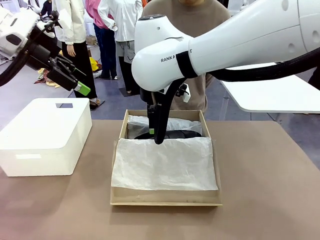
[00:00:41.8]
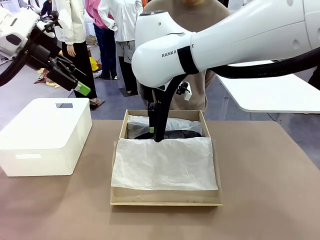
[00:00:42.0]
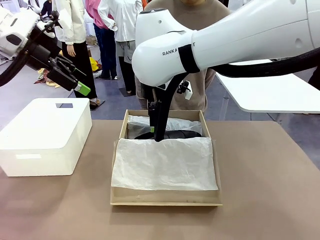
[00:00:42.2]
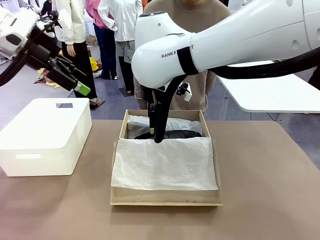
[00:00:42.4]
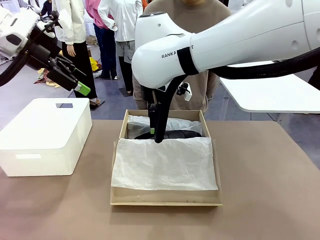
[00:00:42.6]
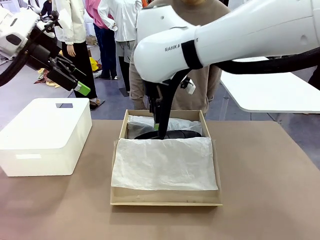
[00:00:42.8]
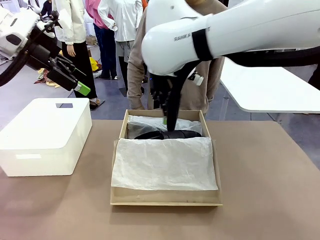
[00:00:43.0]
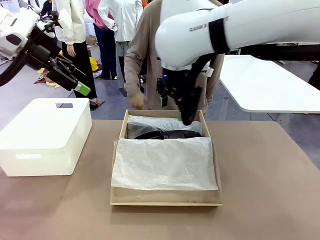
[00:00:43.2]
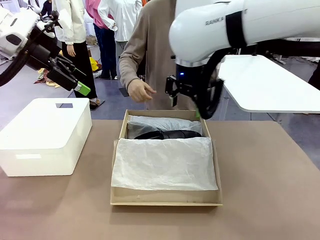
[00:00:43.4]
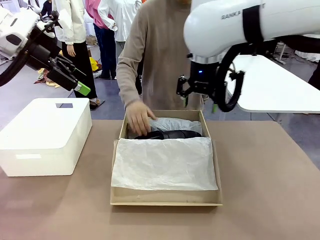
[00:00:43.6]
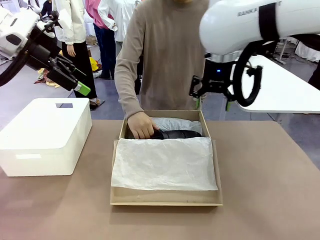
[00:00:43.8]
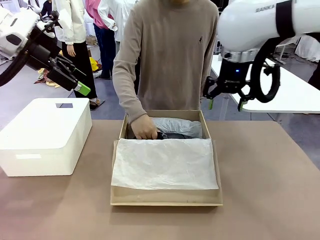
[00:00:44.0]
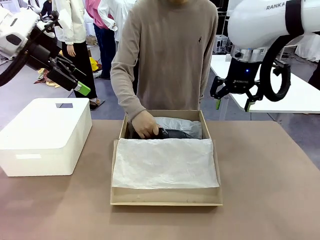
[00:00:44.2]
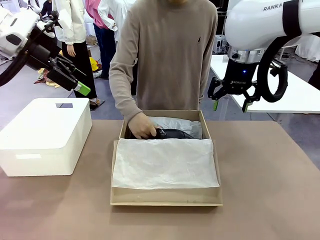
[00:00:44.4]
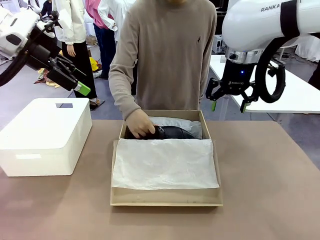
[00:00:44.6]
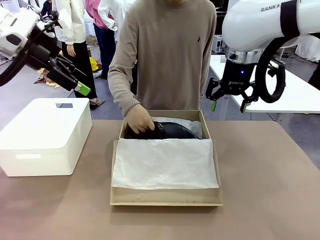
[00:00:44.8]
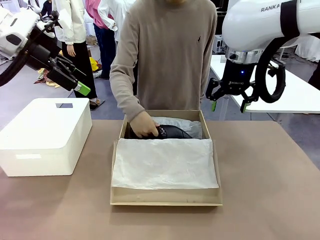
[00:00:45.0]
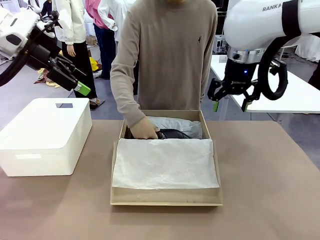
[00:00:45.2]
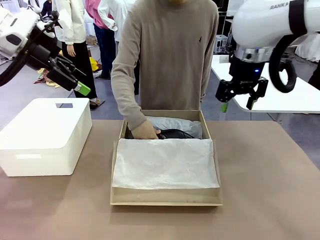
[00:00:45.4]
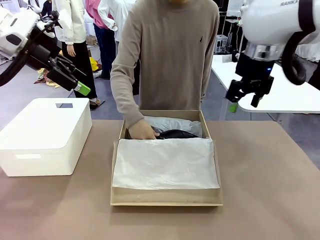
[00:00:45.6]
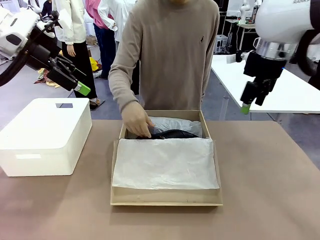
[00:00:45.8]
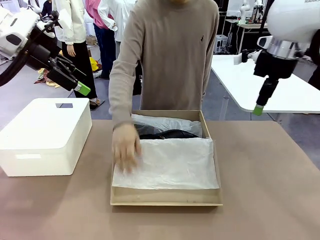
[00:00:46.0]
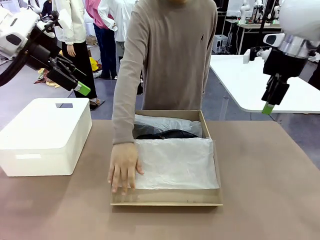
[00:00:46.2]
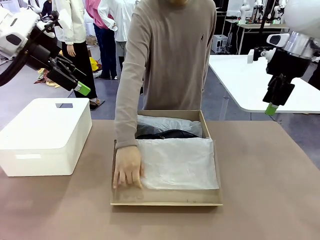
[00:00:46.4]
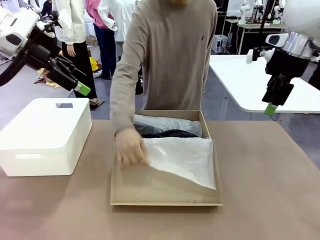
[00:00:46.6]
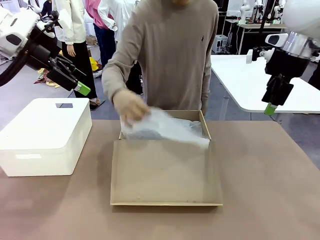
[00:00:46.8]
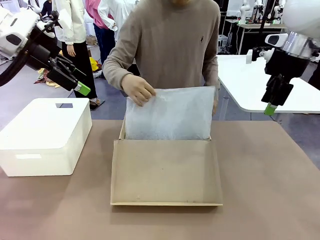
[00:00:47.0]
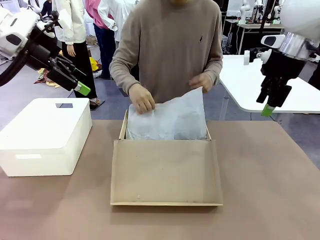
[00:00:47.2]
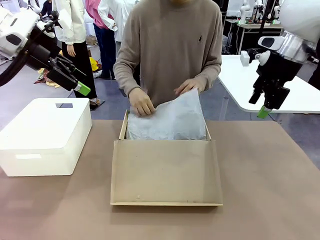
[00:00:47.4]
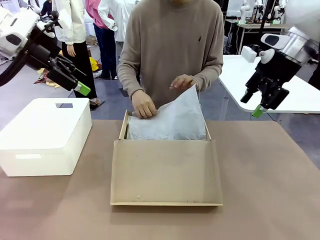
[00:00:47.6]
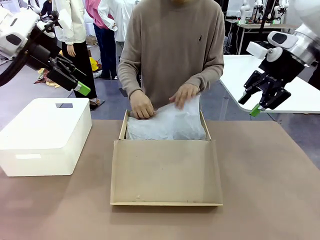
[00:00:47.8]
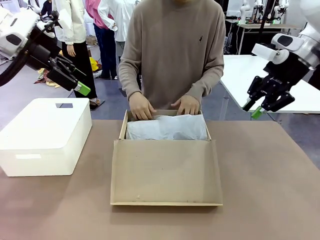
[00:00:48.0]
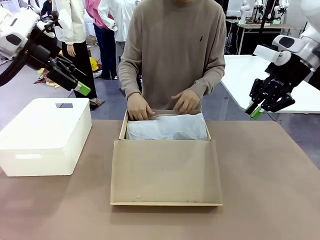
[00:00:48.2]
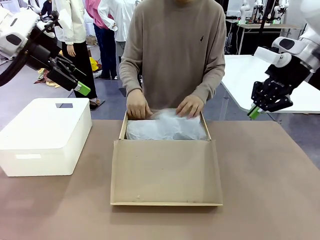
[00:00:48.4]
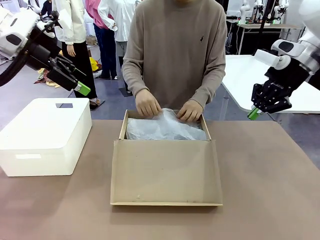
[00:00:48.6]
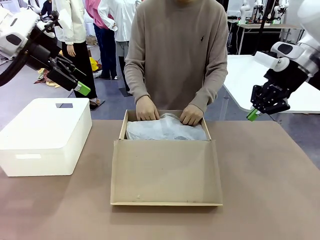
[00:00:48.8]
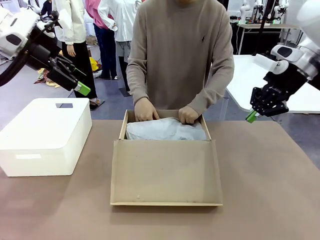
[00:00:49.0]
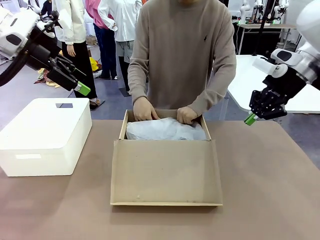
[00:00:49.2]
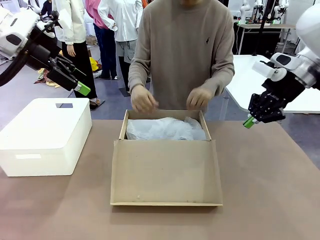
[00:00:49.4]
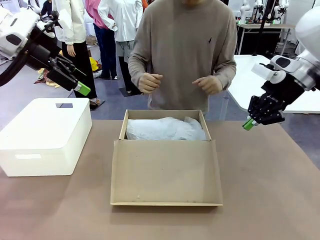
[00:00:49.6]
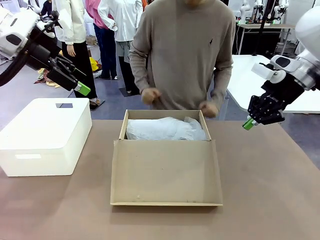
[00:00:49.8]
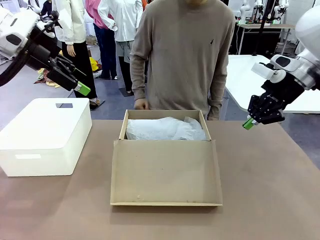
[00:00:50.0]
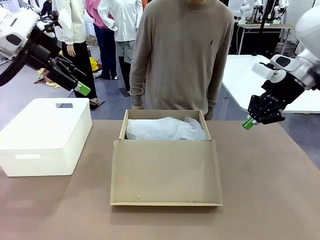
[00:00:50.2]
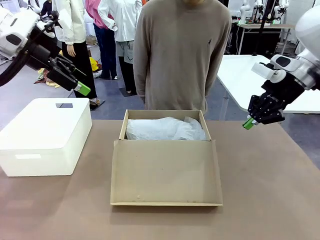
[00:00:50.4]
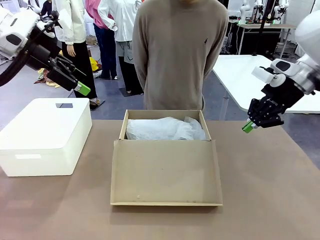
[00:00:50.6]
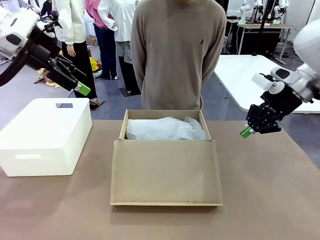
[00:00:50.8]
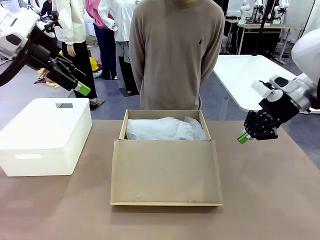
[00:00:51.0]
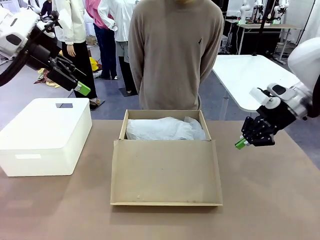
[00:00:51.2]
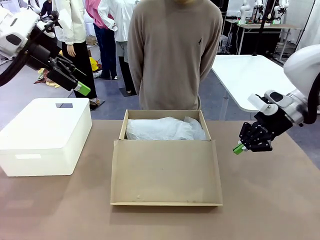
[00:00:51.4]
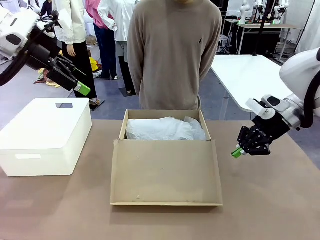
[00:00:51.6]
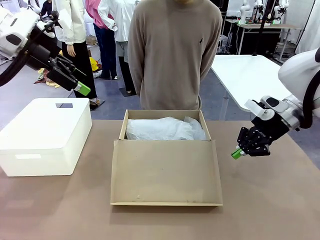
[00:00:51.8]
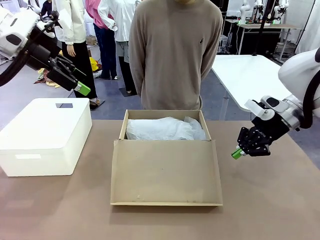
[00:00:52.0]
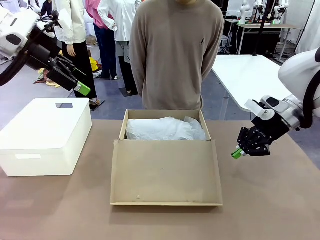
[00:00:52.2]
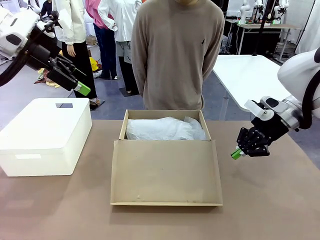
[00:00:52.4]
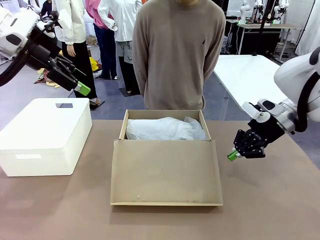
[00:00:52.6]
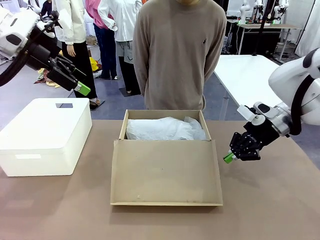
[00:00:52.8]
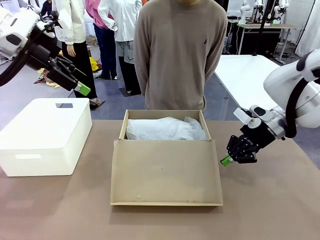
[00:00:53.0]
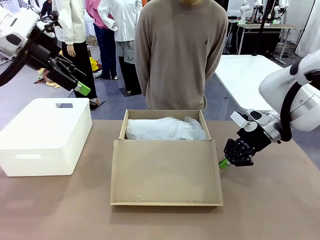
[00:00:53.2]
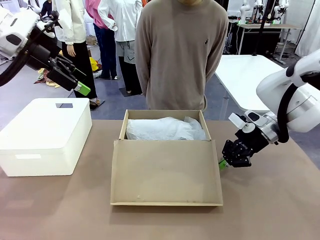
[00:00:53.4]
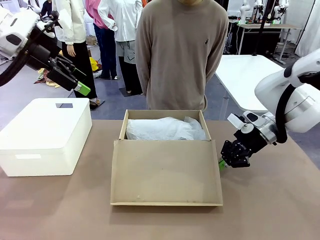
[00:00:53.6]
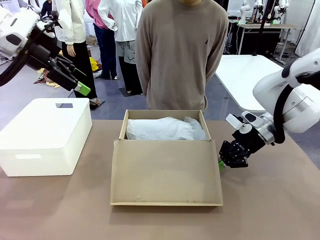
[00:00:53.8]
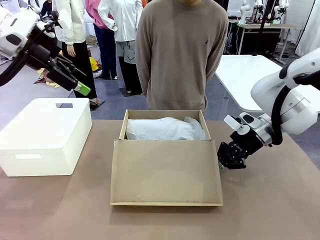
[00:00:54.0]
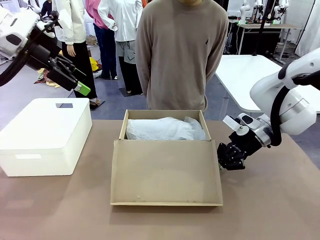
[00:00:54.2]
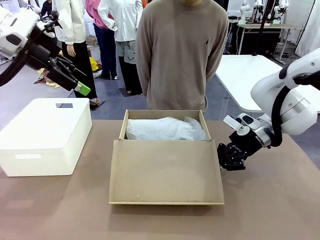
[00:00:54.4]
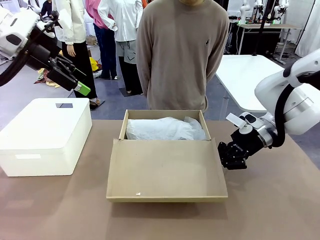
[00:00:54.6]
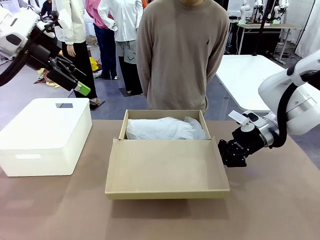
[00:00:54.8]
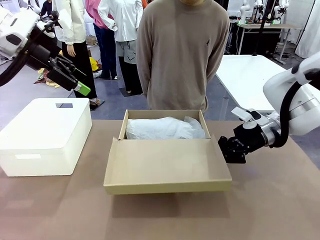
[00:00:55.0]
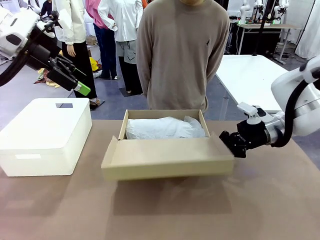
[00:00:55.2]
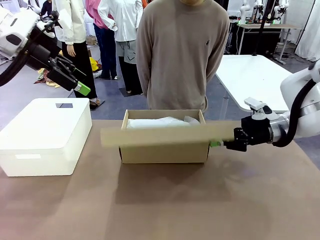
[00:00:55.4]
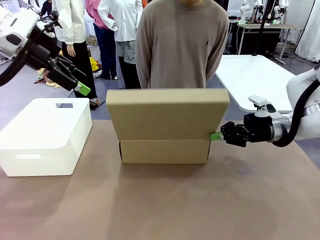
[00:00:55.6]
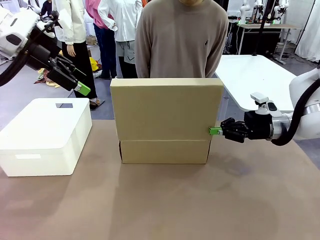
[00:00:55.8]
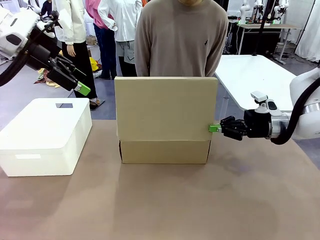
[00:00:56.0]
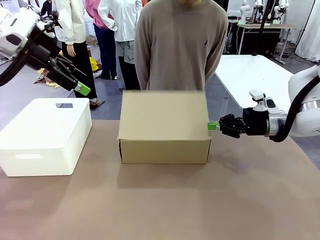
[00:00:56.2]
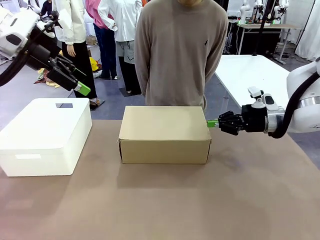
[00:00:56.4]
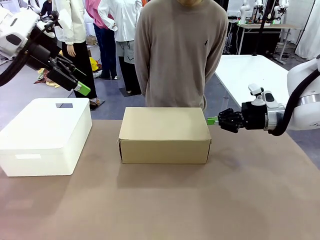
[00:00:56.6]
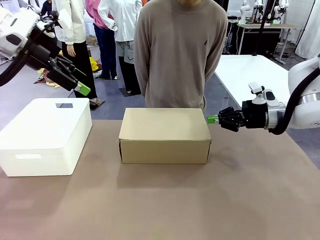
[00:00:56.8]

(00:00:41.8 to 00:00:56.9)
Task: Pack the shoes into the box.
Robot: Close the Shoes Box.
